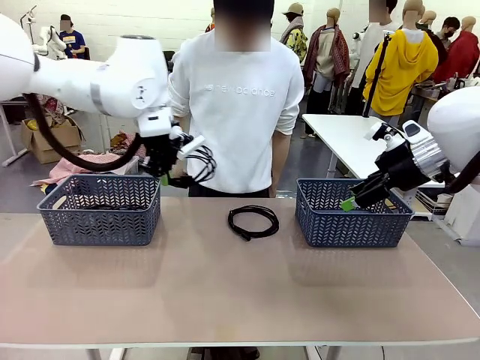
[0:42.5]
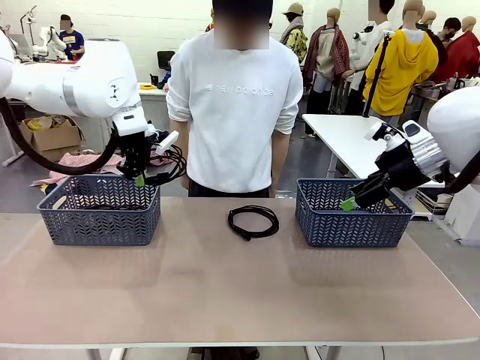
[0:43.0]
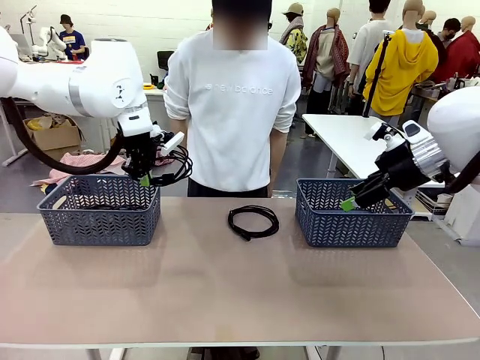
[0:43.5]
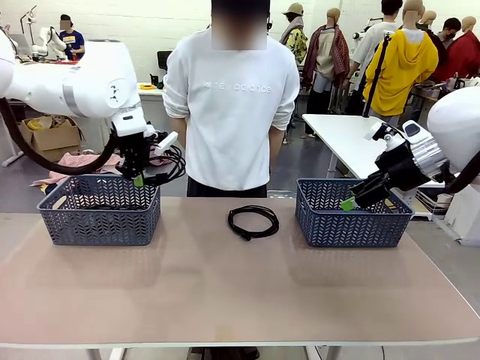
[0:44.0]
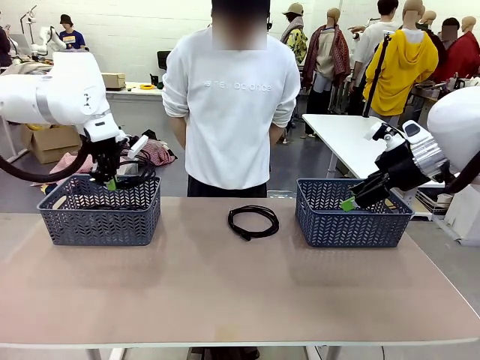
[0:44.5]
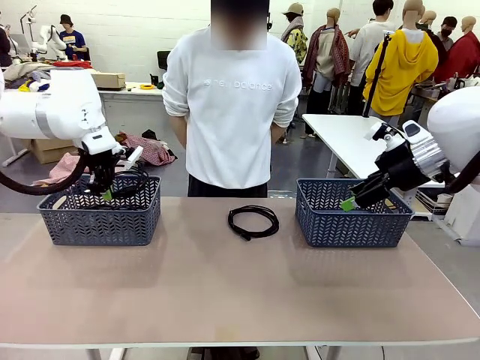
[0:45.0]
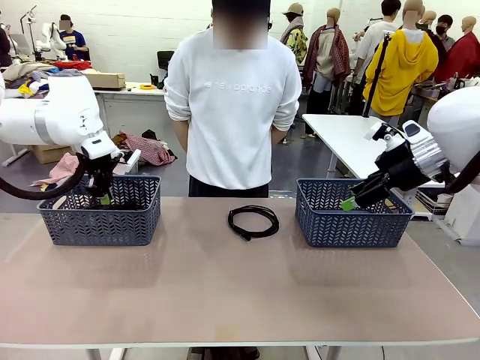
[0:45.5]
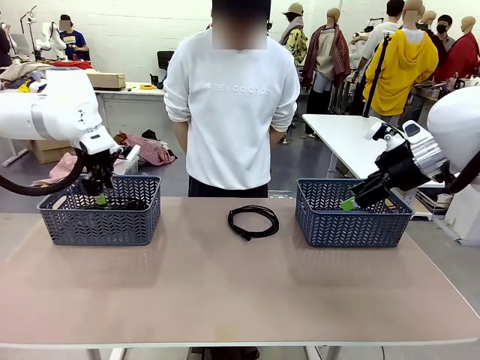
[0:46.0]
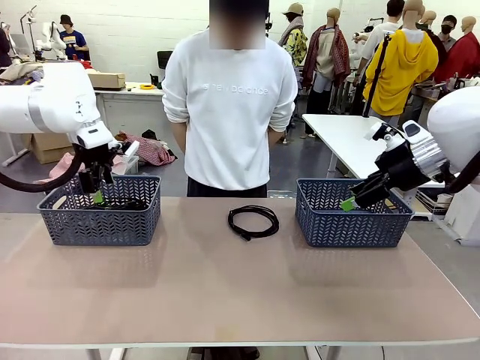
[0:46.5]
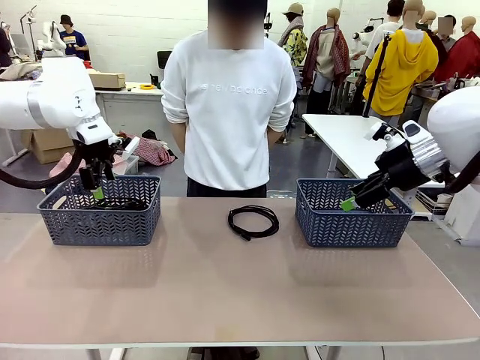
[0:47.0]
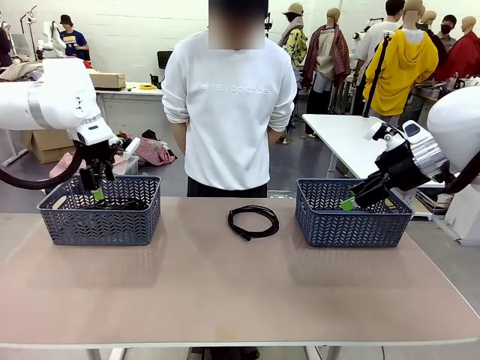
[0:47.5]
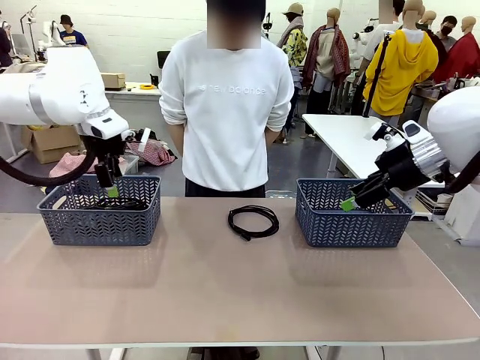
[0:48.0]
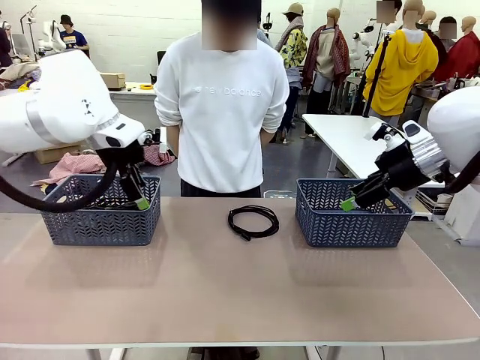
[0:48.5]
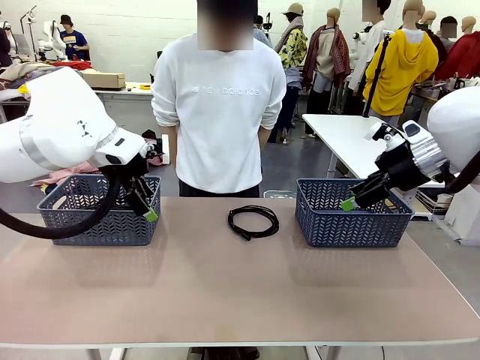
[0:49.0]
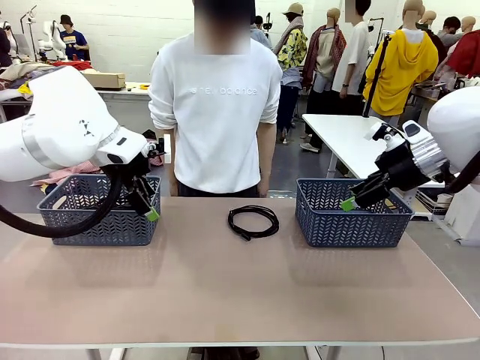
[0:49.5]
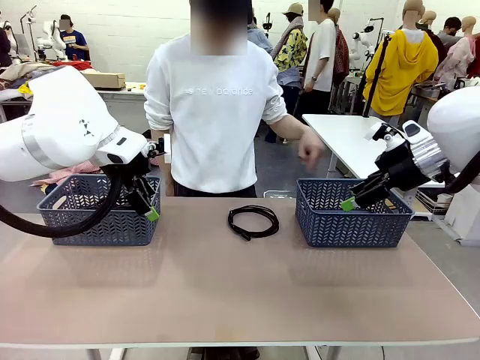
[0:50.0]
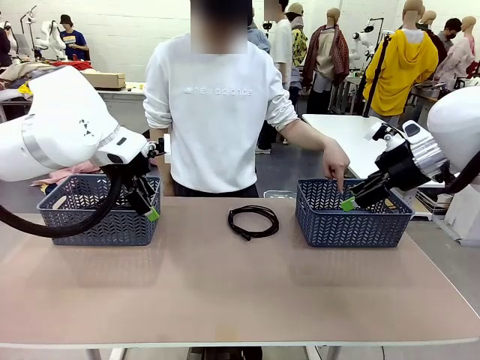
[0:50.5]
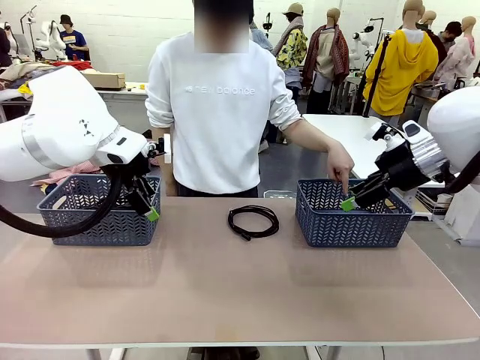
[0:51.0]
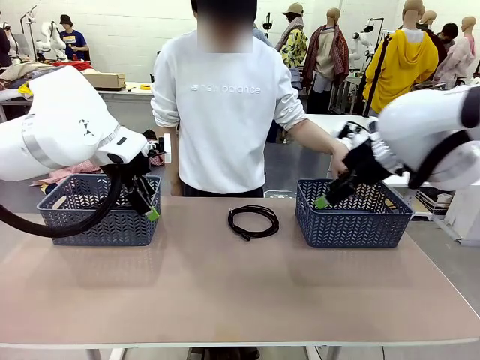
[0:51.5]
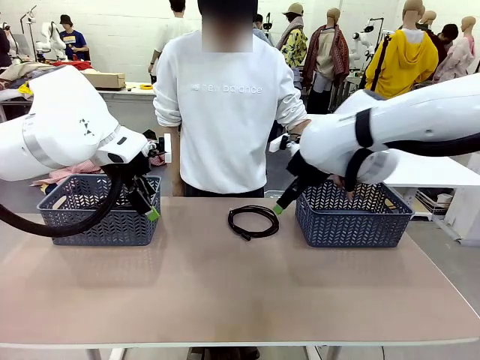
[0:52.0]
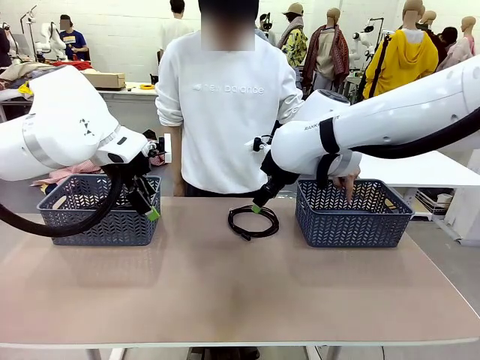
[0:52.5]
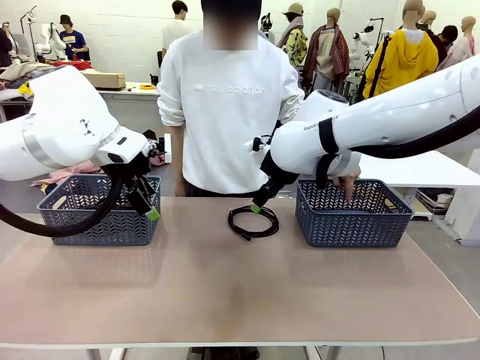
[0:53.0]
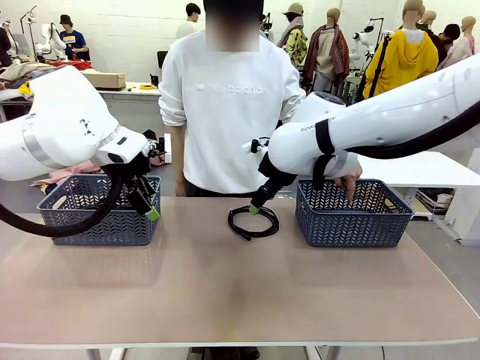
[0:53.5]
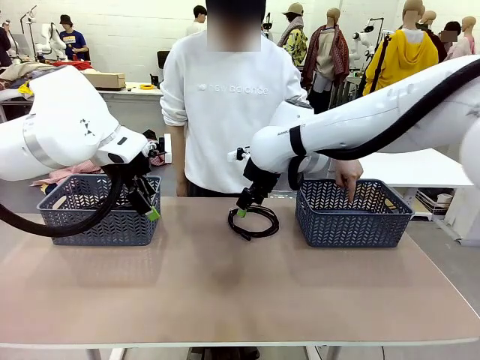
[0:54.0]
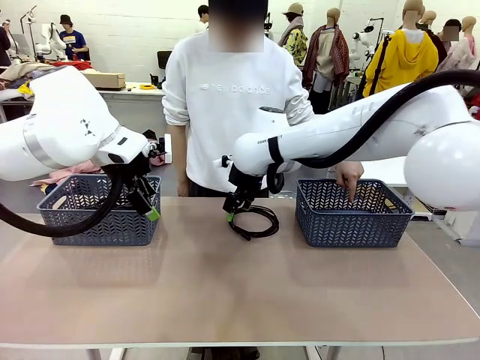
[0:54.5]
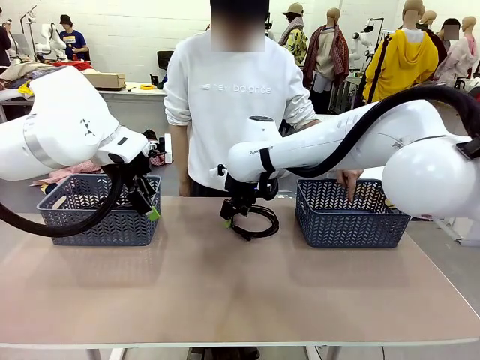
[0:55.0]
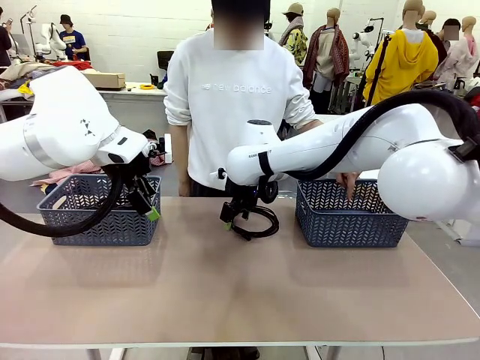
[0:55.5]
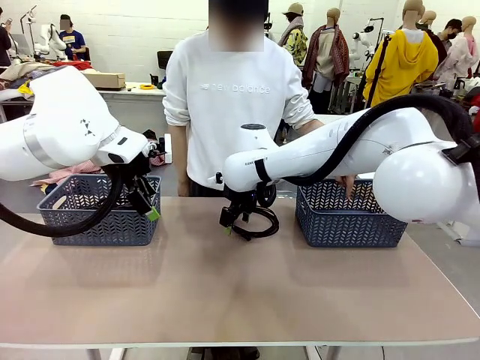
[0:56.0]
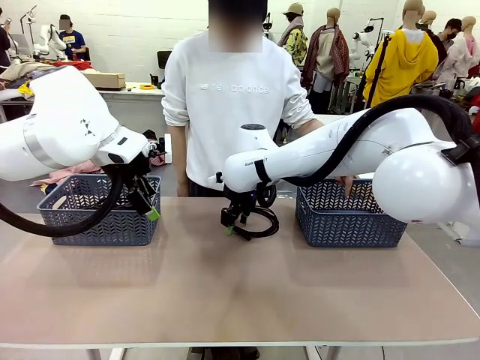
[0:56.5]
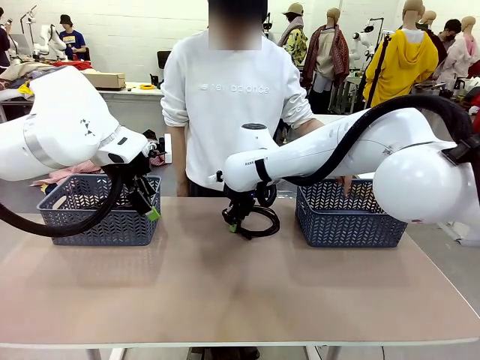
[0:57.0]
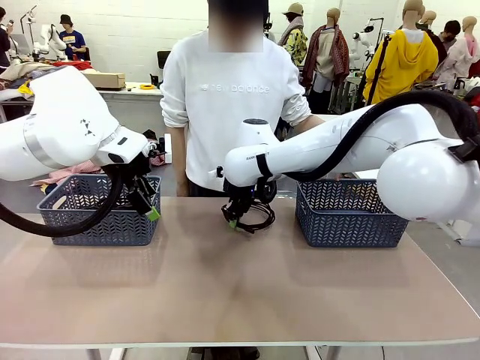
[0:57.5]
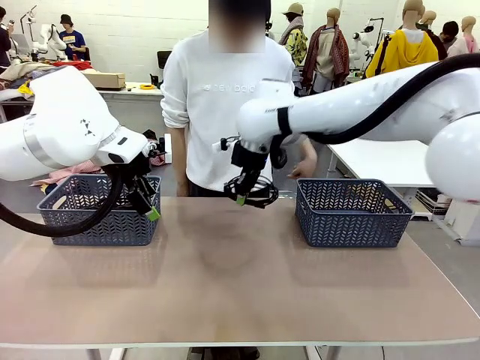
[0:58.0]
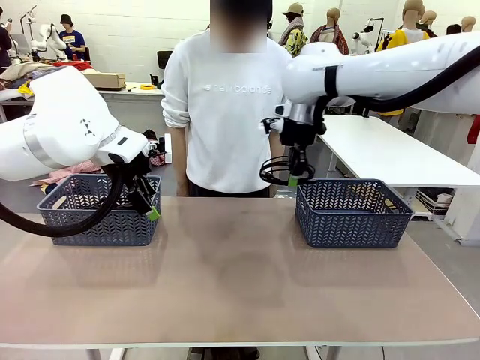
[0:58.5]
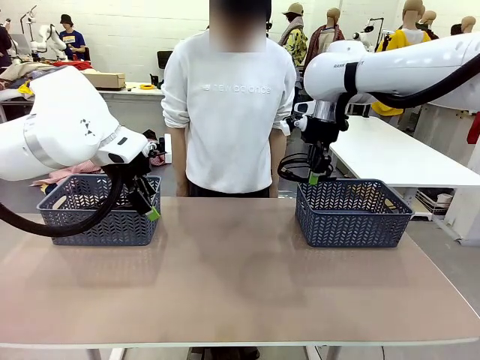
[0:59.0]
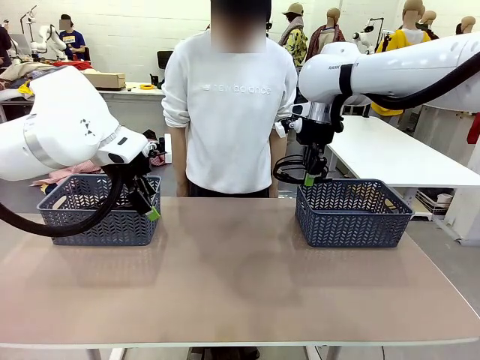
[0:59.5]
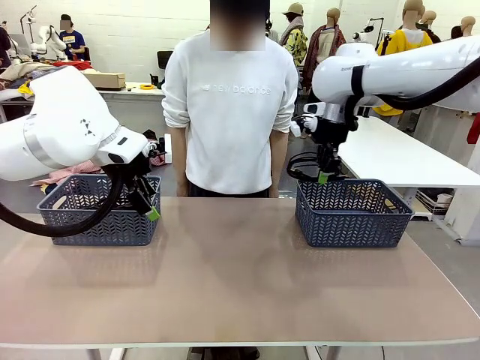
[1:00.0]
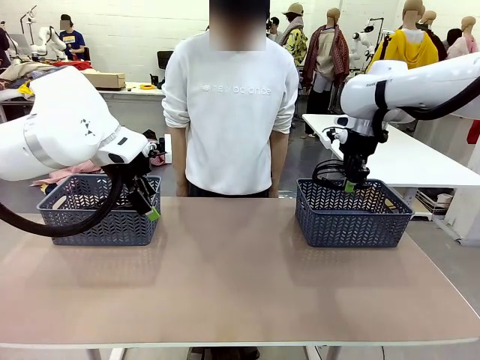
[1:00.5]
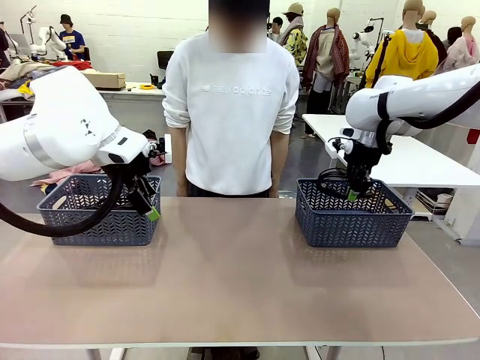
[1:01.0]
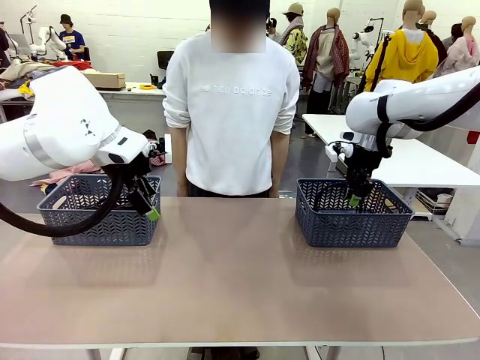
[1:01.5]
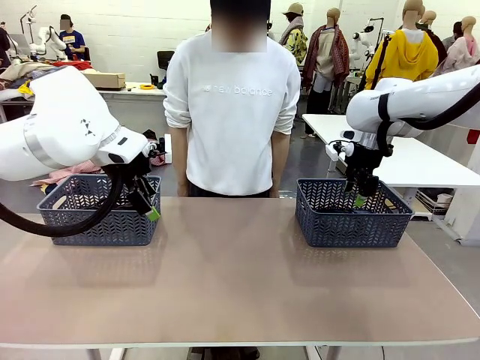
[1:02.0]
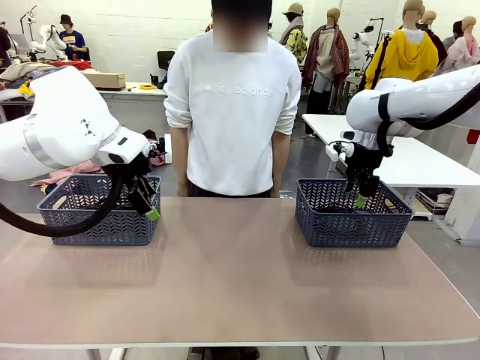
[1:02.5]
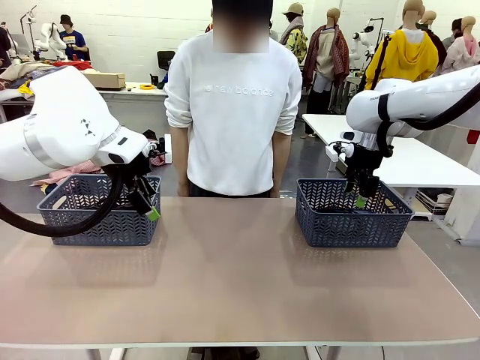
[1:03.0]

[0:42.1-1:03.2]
Task: Organize the cables according to human instructions.
Robot: Pick up a bundle of cables and place it in the basket indicated by the human.

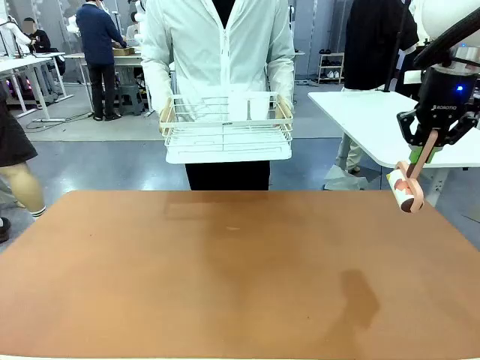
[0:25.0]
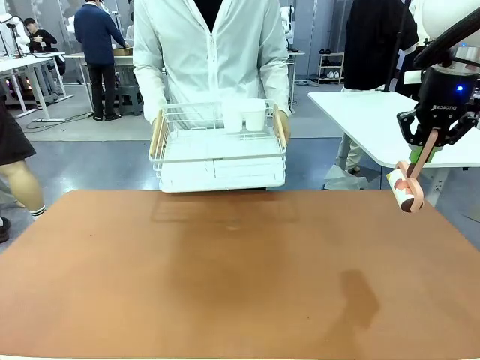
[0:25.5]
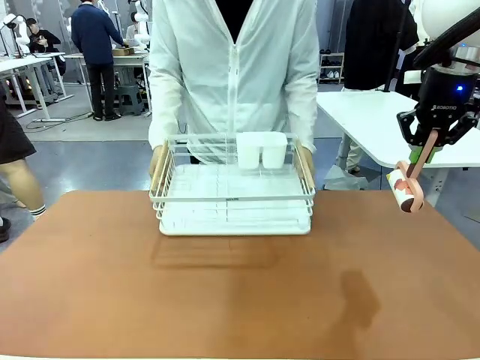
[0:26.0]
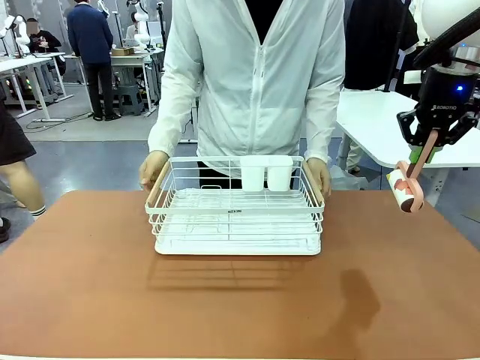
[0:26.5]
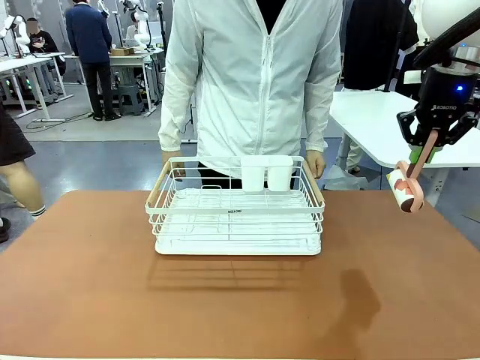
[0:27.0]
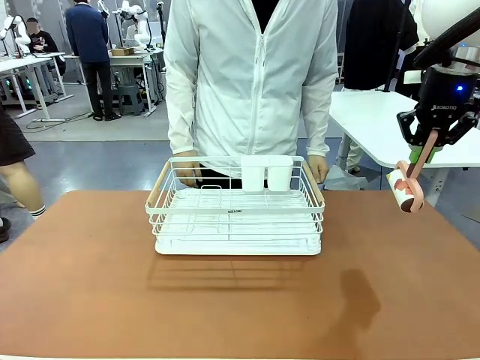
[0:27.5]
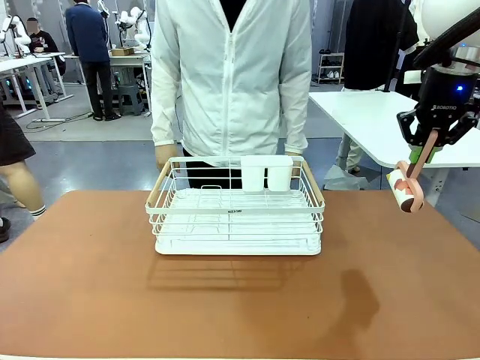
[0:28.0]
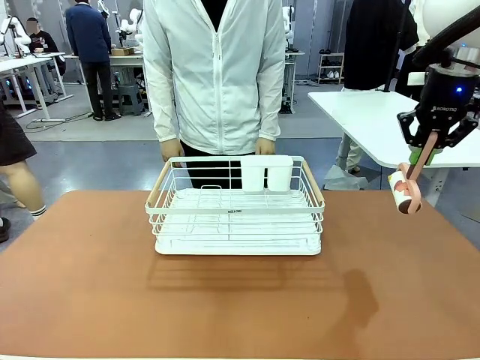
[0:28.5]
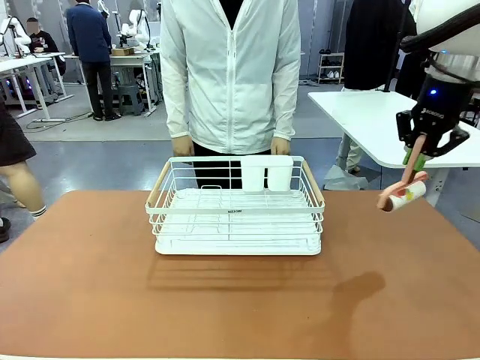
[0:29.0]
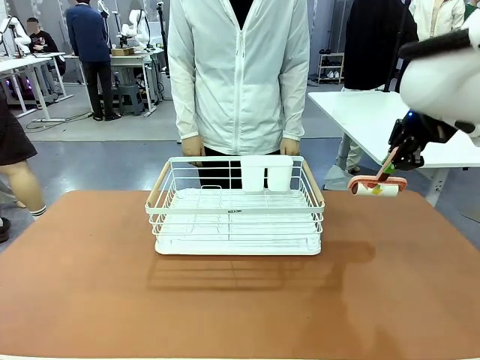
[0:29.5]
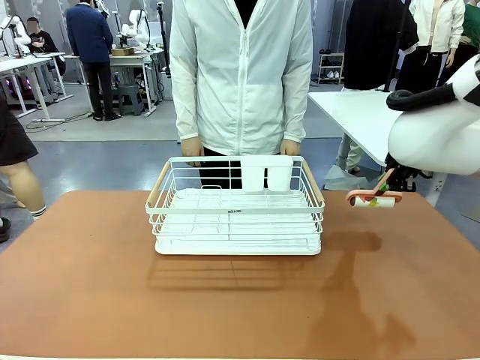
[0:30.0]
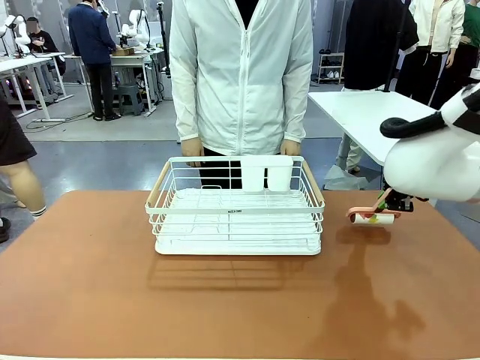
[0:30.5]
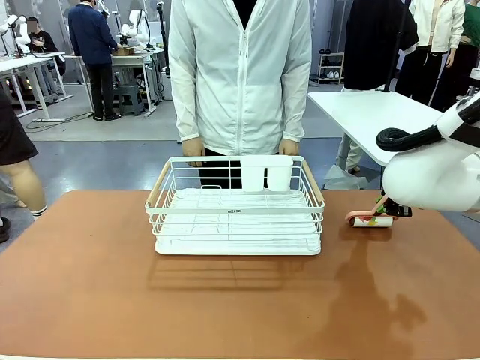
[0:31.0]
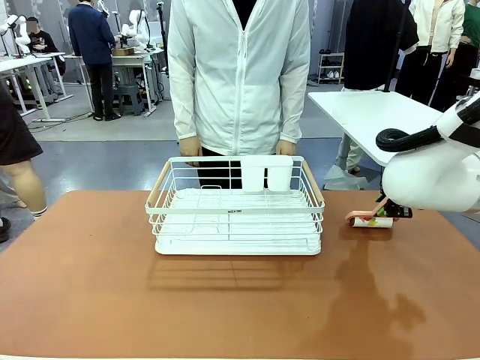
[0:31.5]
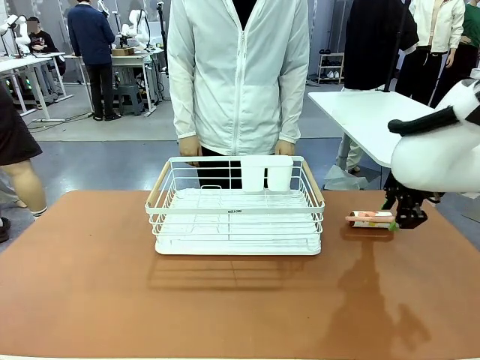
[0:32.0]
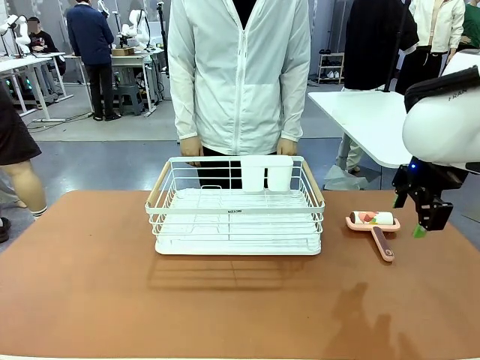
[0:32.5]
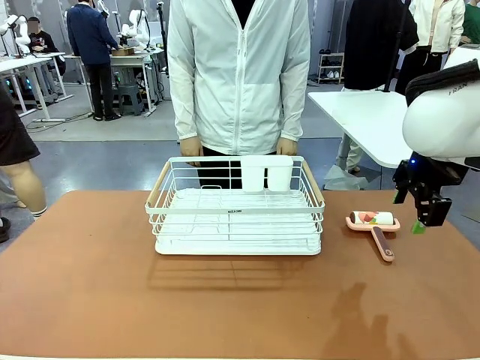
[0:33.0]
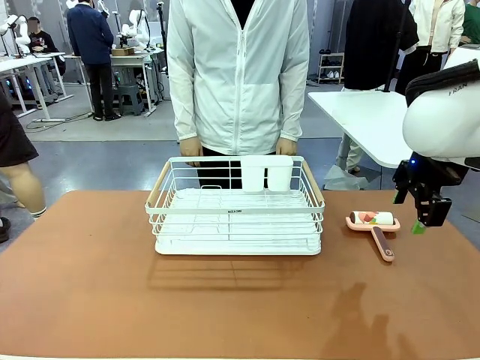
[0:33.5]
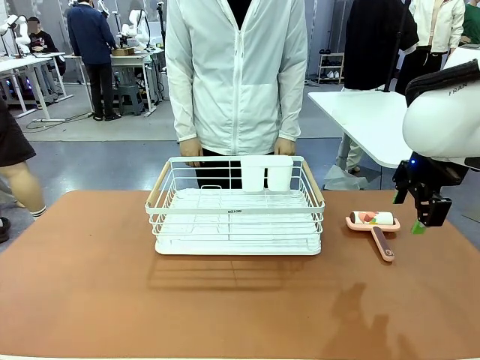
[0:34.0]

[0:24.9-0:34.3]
Task: Clean the table.
Robot: Place the Lint Roller down when the Dish drying rack is positioned in the middle of the table.
